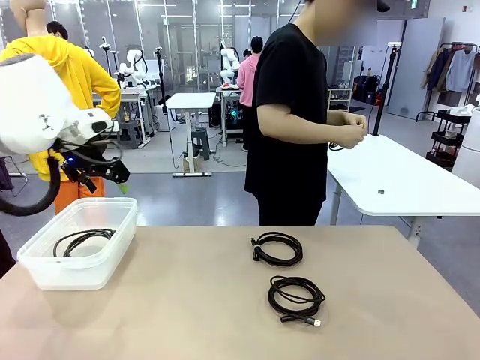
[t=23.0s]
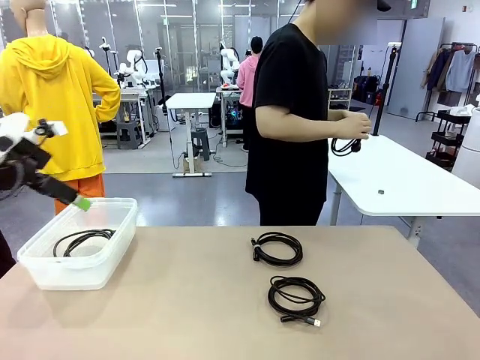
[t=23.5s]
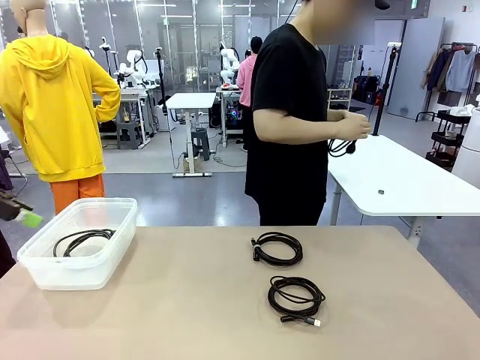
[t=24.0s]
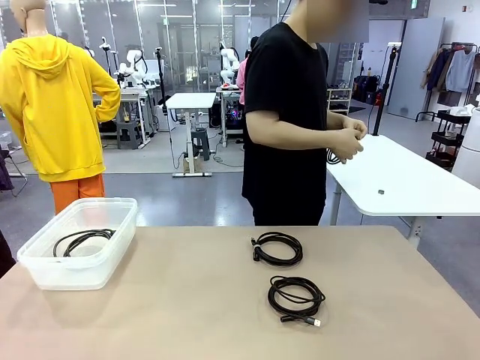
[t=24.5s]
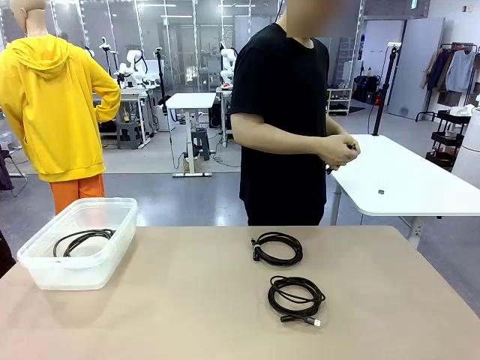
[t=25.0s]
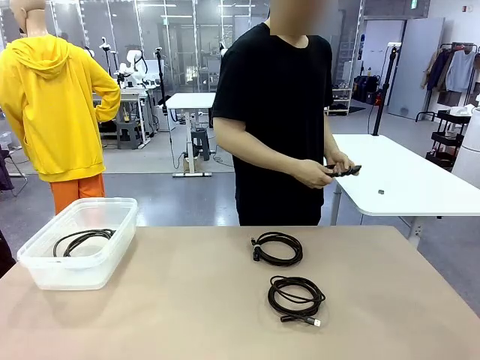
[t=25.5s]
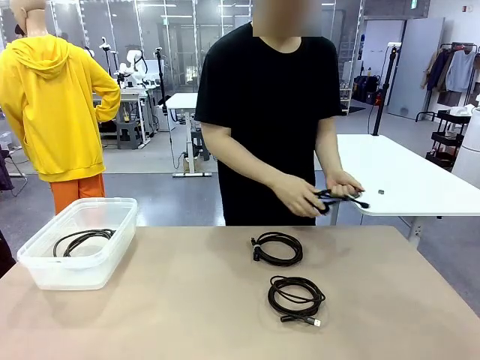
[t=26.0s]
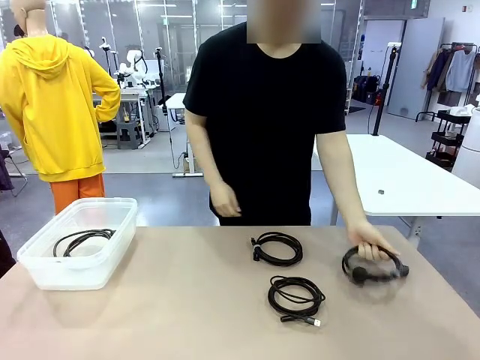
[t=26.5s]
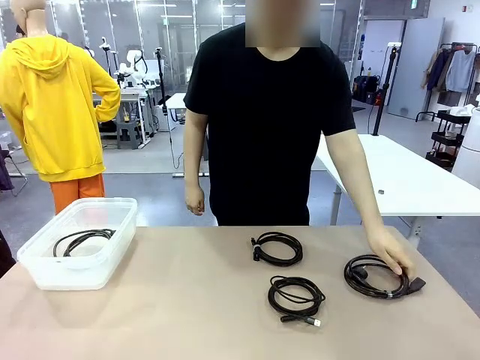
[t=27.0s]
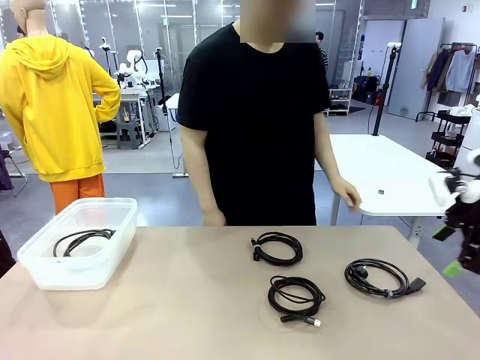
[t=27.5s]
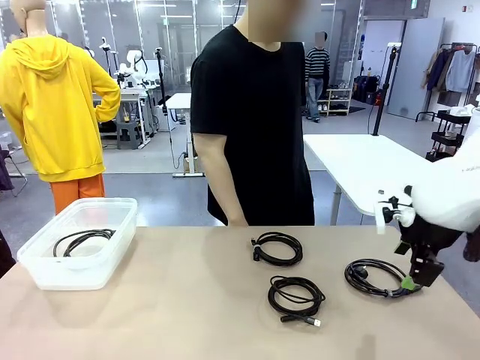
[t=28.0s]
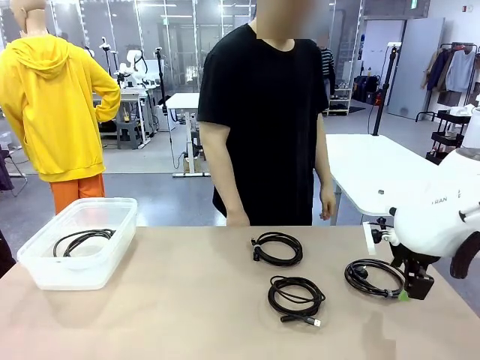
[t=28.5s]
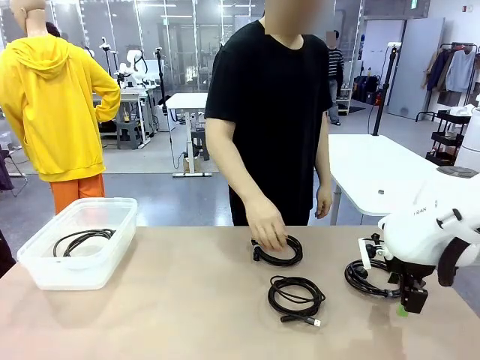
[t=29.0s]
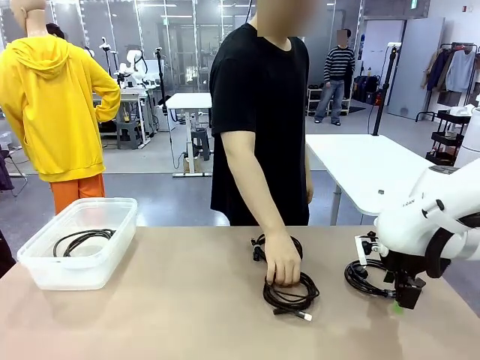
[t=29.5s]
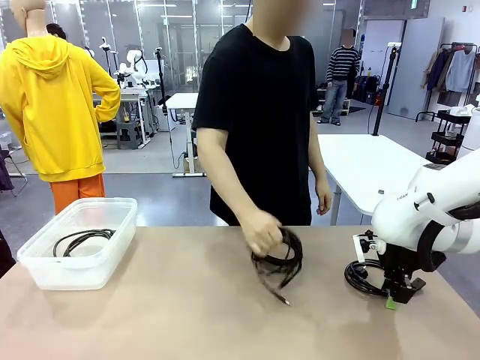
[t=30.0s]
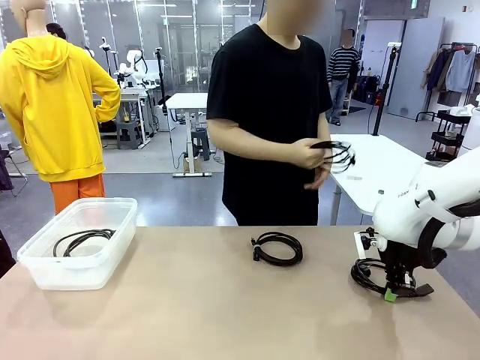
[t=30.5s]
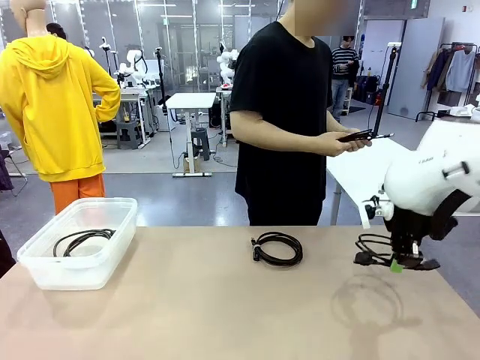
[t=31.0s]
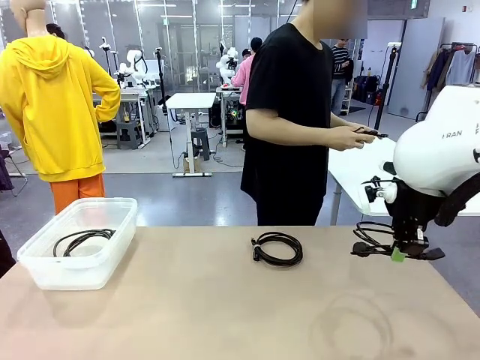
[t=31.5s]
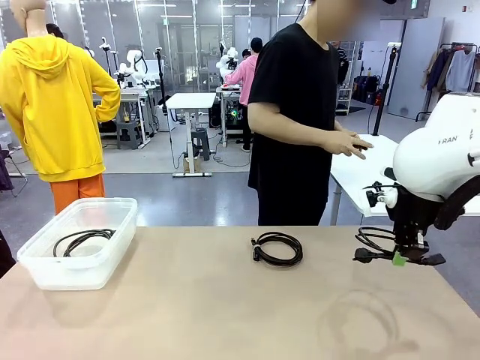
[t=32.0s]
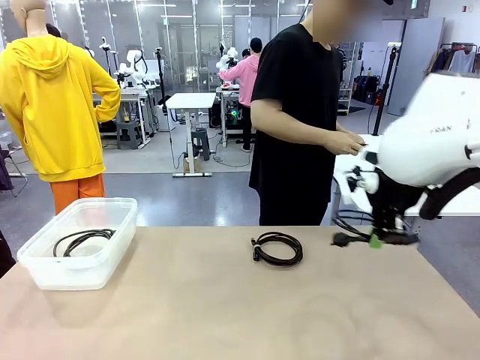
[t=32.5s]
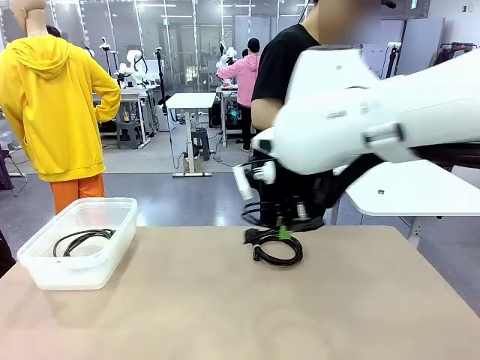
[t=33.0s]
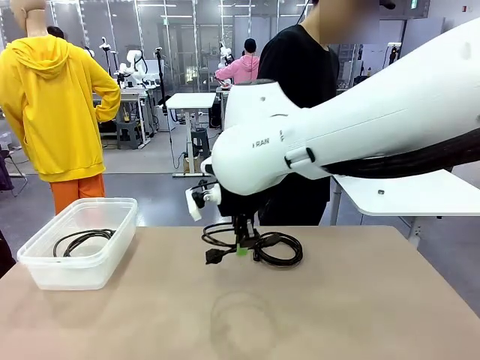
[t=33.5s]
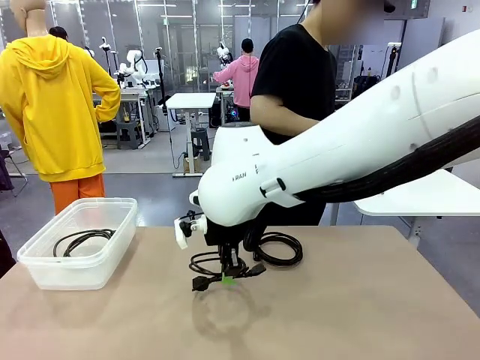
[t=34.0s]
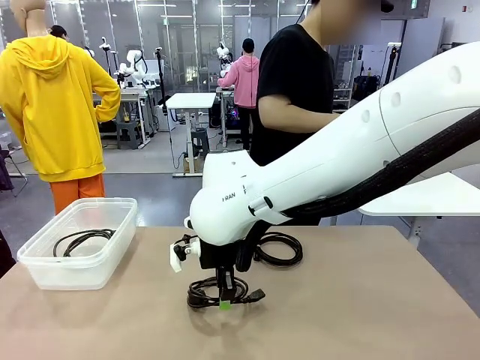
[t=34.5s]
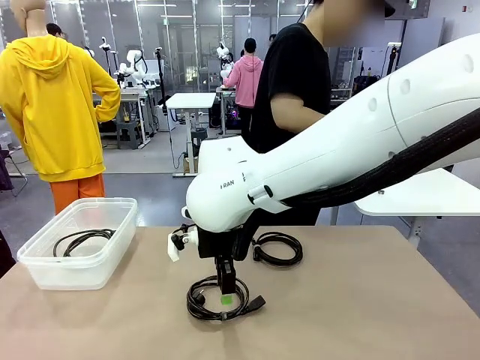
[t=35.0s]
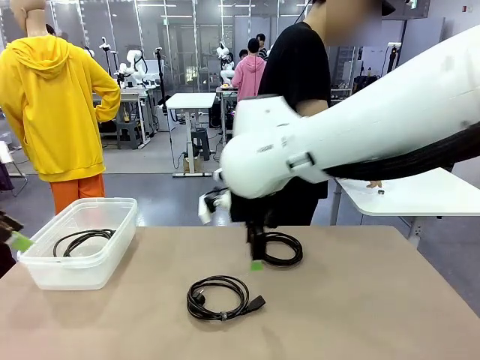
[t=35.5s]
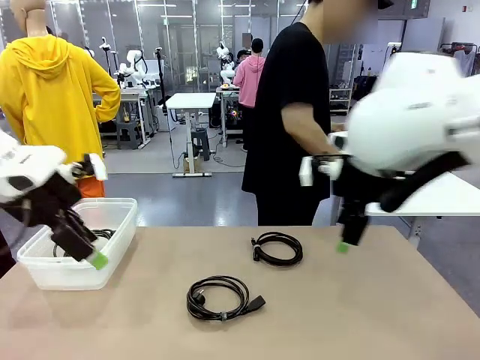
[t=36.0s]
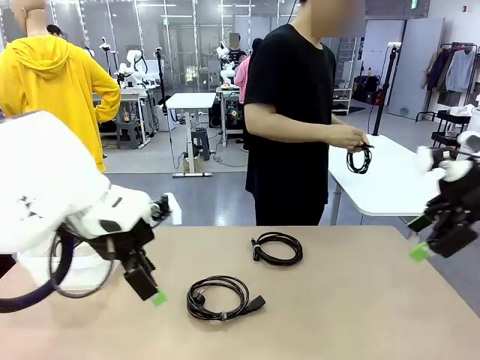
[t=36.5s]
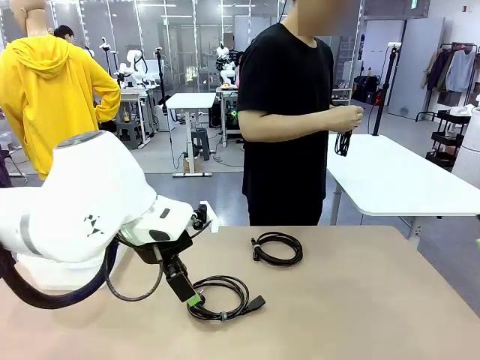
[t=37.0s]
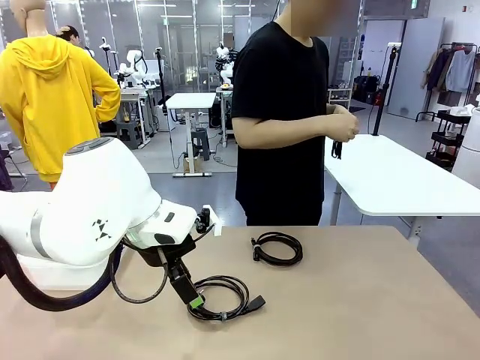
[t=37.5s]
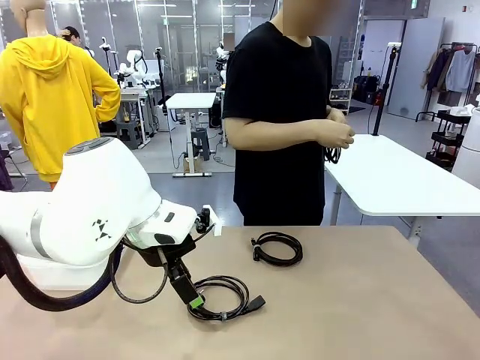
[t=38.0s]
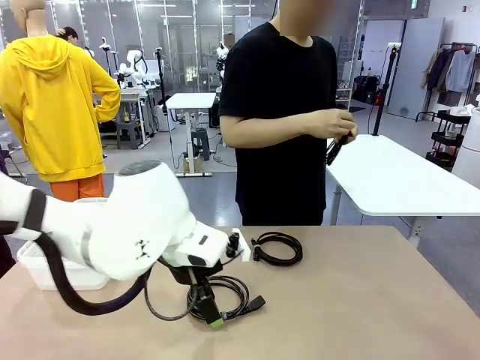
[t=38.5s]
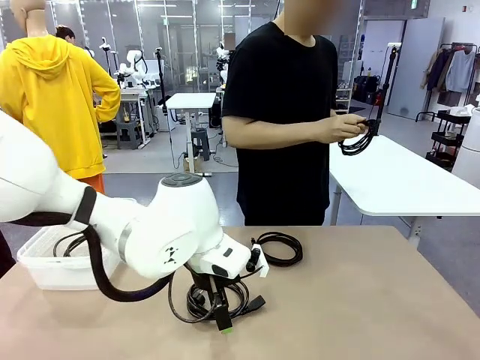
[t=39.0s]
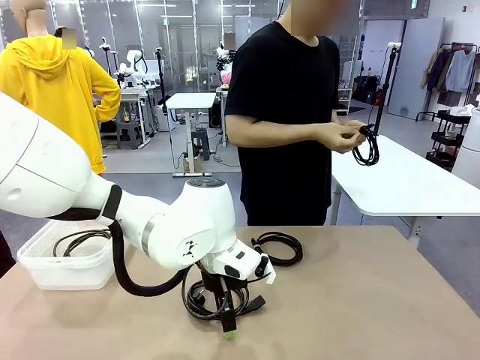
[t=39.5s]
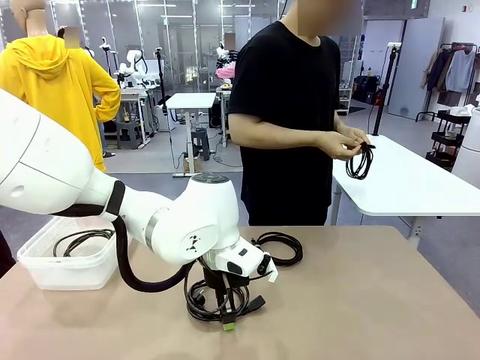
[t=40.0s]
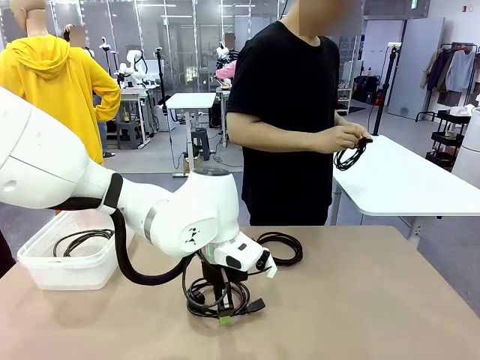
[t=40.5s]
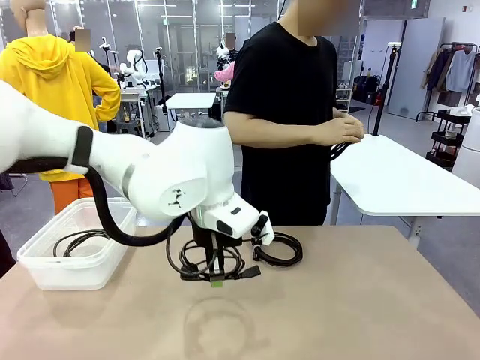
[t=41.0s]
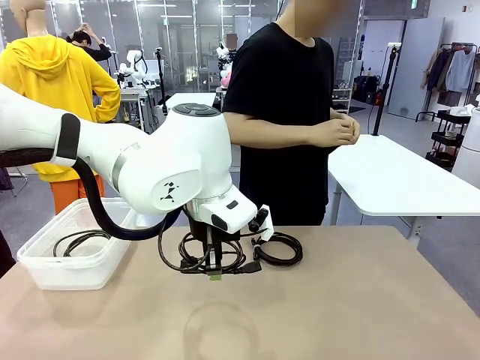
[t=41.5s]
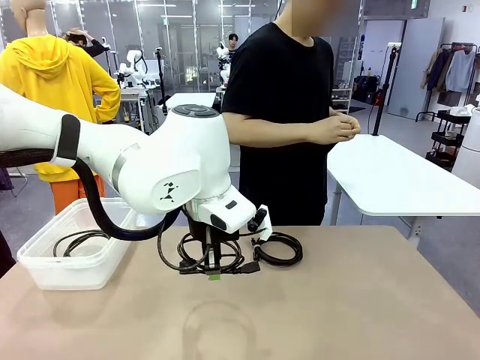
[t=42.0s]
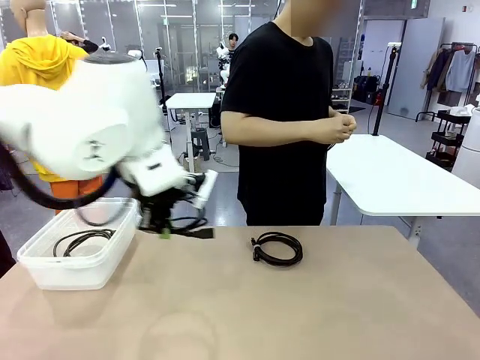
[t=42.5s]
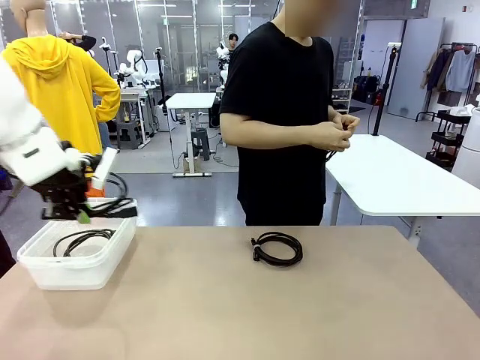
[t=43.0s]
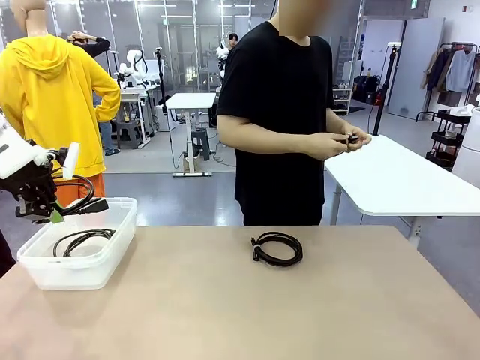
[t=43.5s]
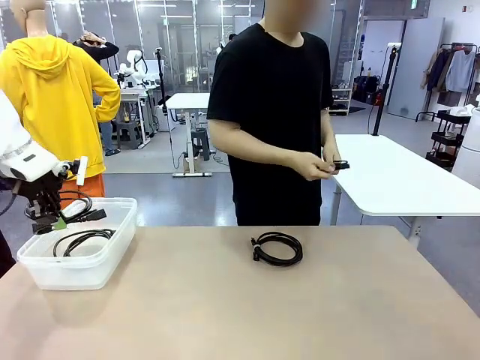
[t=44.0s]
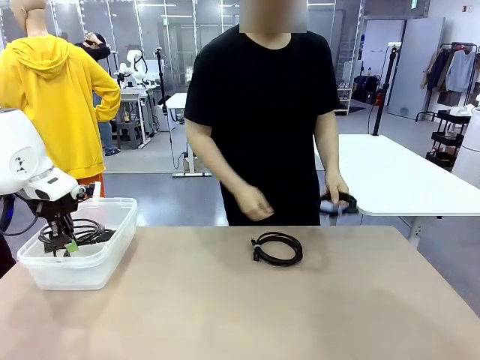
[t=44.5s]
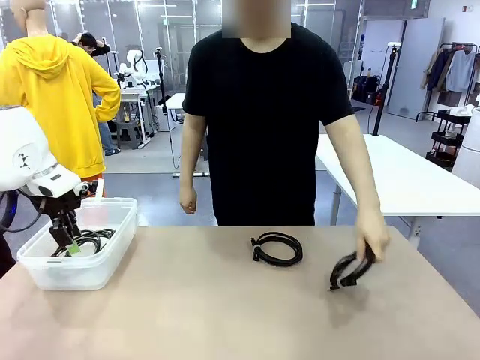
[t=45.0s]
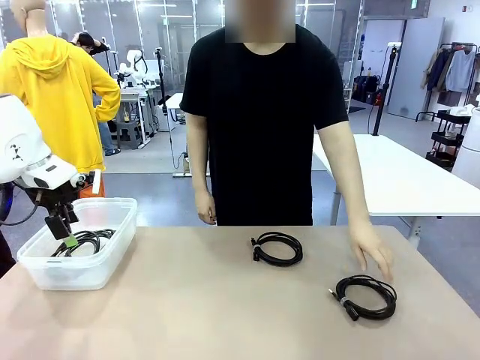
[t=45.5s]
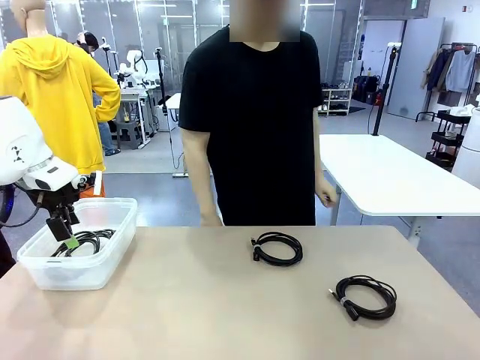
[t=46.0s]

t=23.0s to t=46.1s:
Task: Organize and store the cables.
Robot: Place the Power Cable into the Organizing box.
